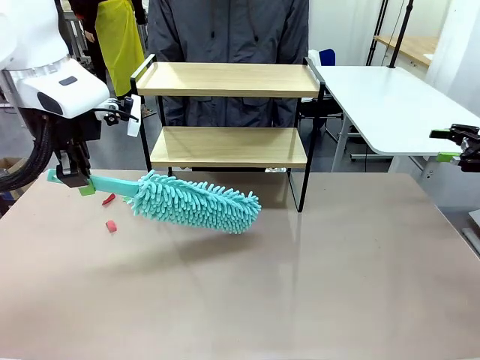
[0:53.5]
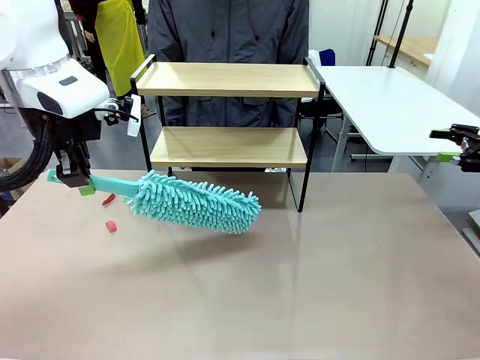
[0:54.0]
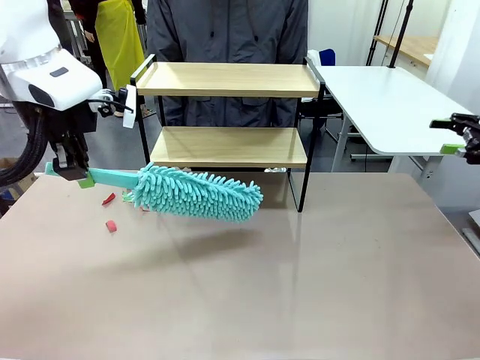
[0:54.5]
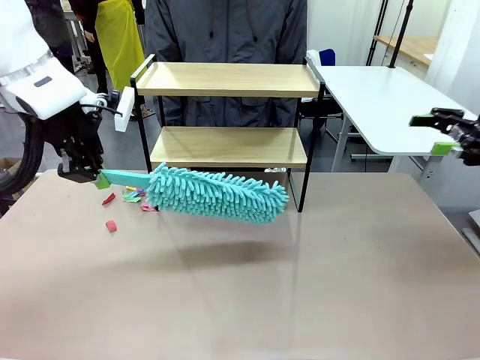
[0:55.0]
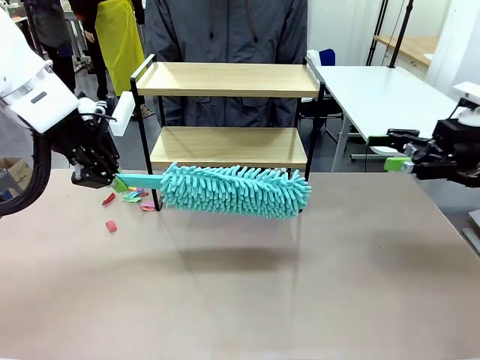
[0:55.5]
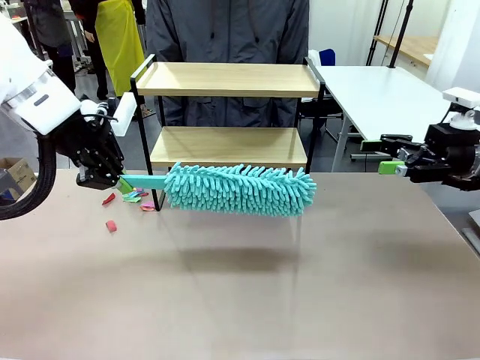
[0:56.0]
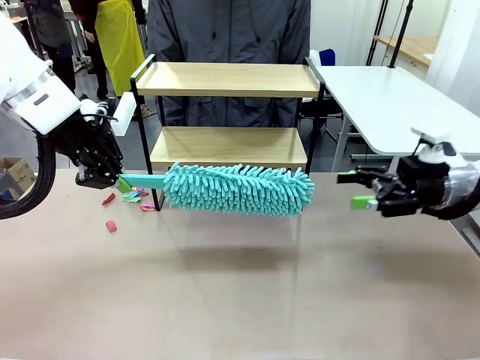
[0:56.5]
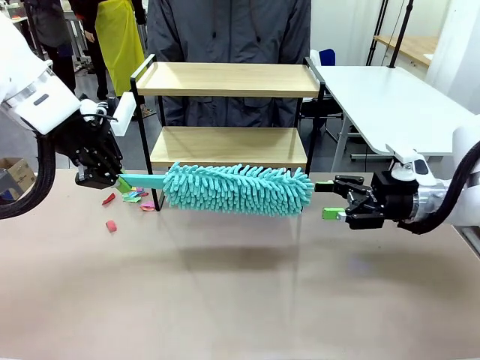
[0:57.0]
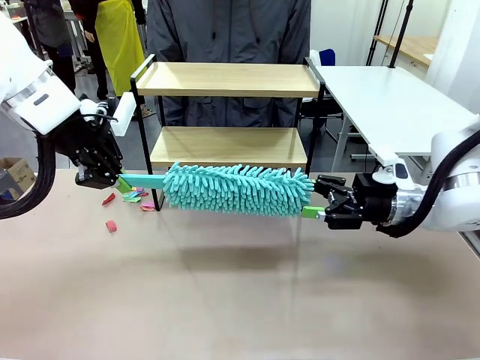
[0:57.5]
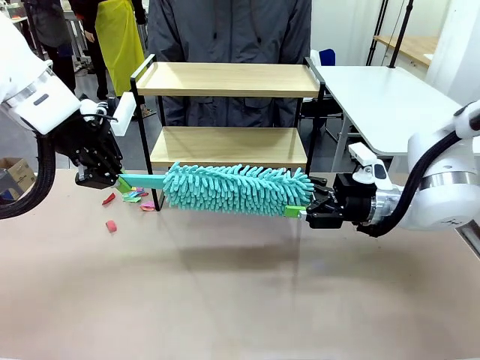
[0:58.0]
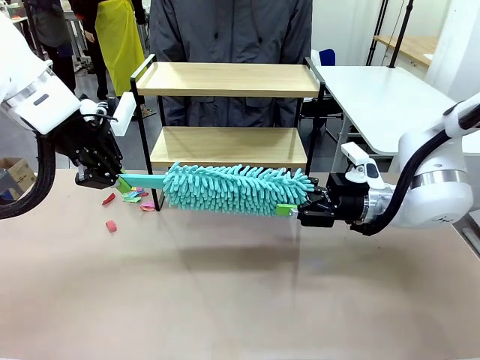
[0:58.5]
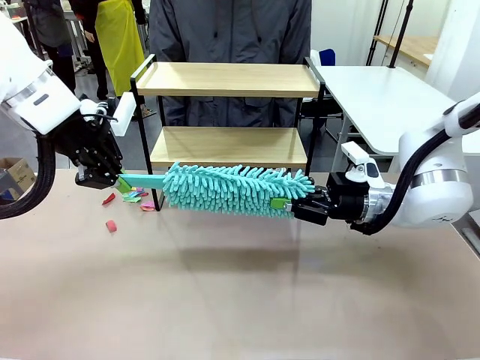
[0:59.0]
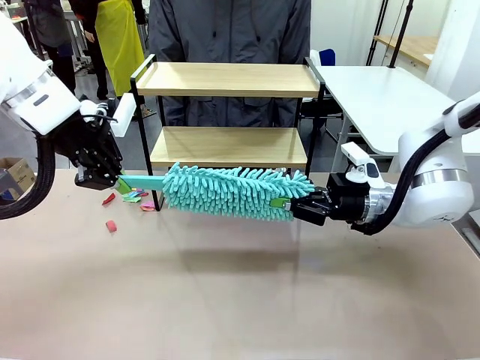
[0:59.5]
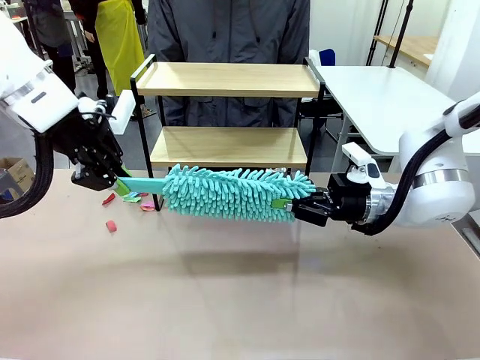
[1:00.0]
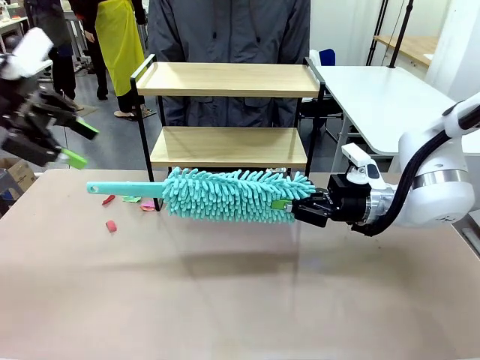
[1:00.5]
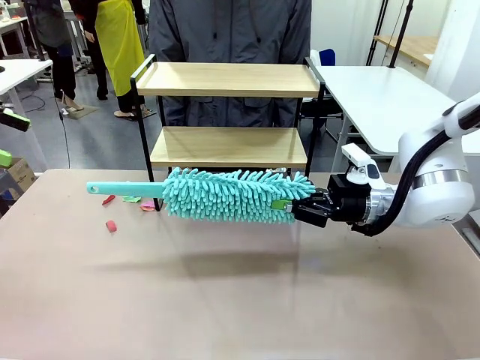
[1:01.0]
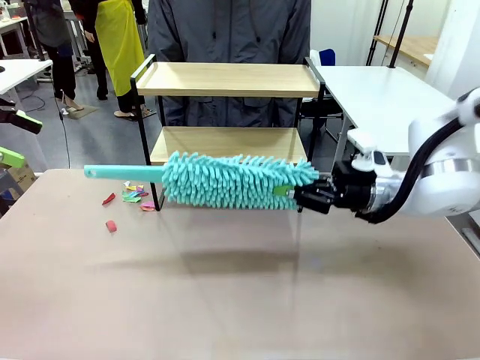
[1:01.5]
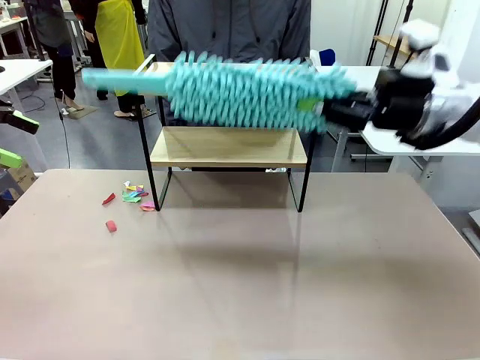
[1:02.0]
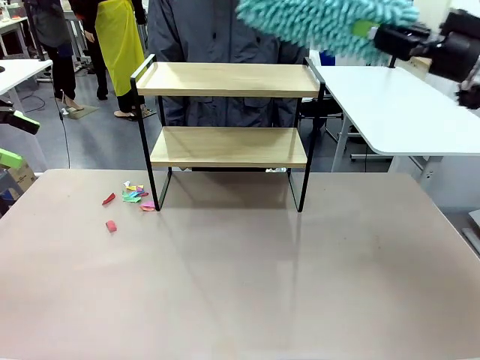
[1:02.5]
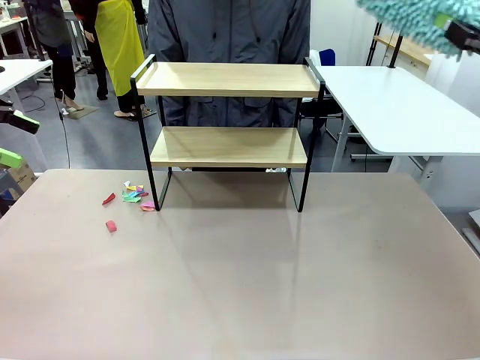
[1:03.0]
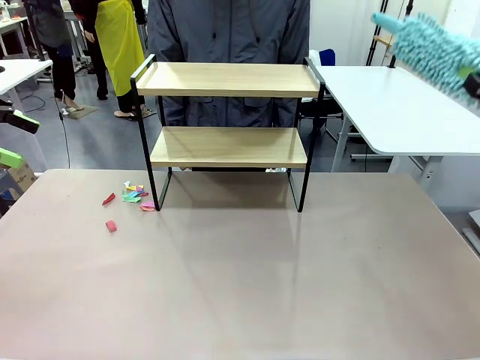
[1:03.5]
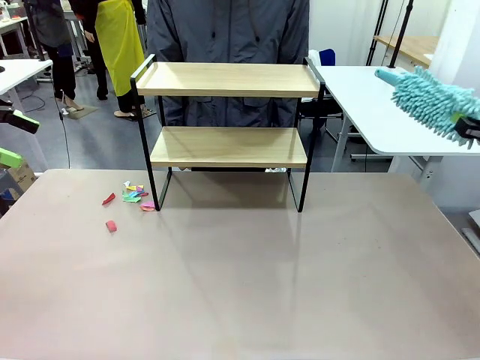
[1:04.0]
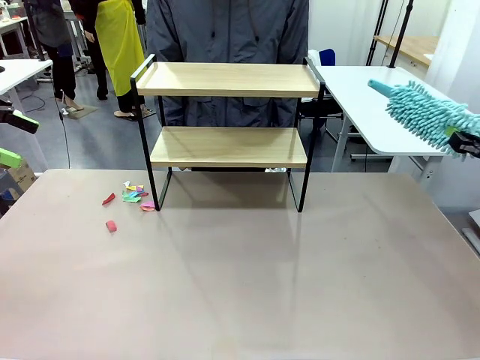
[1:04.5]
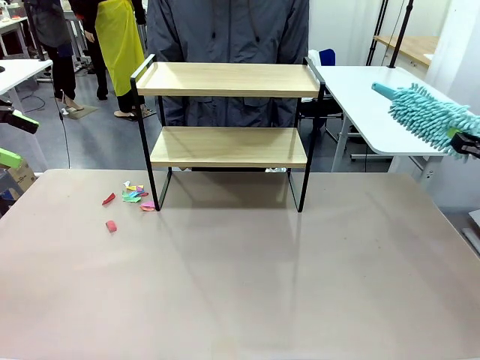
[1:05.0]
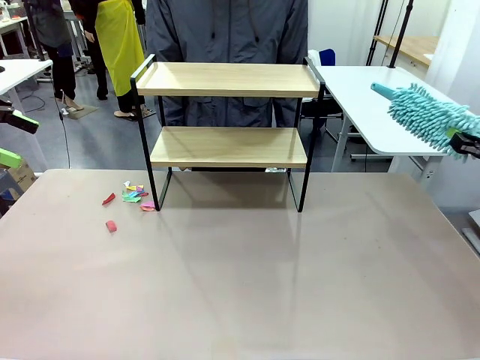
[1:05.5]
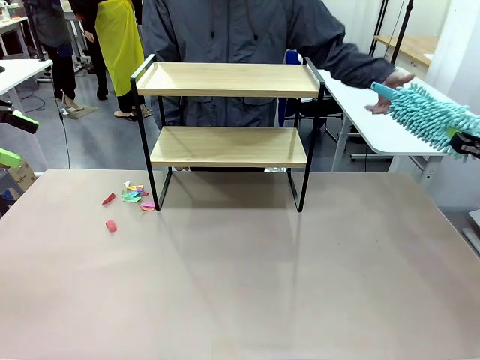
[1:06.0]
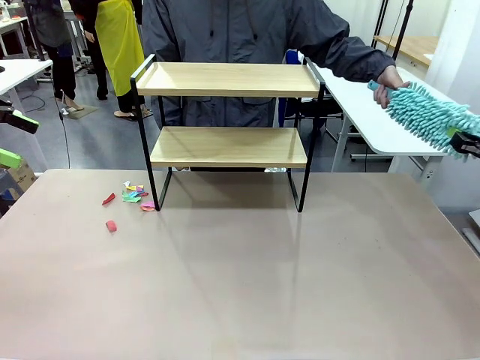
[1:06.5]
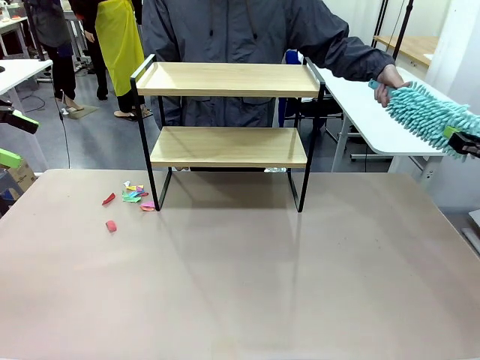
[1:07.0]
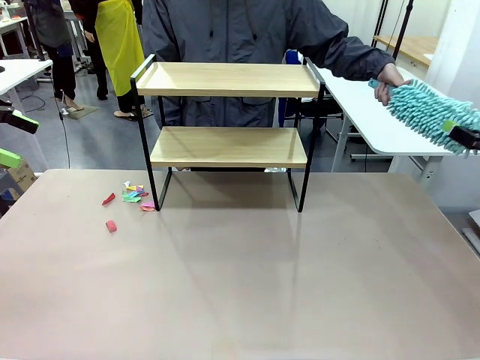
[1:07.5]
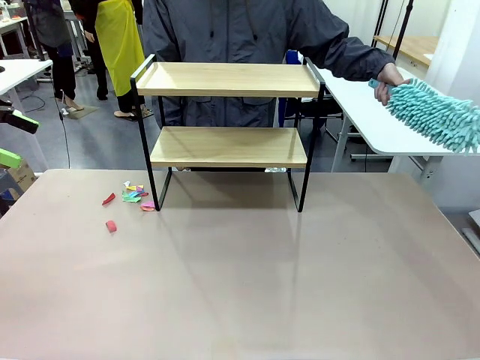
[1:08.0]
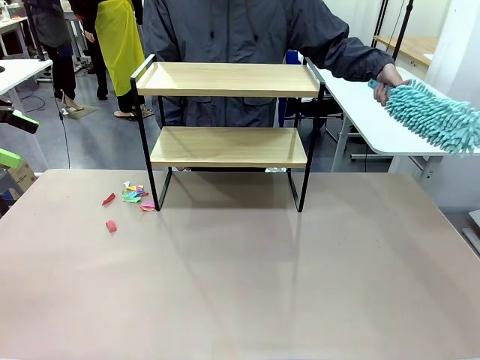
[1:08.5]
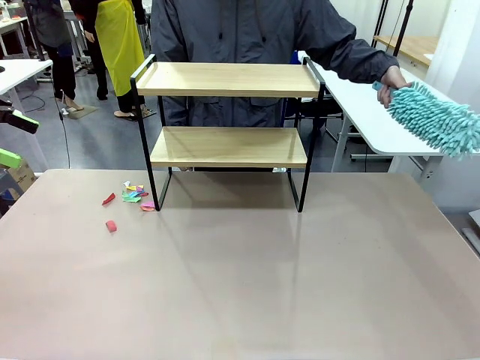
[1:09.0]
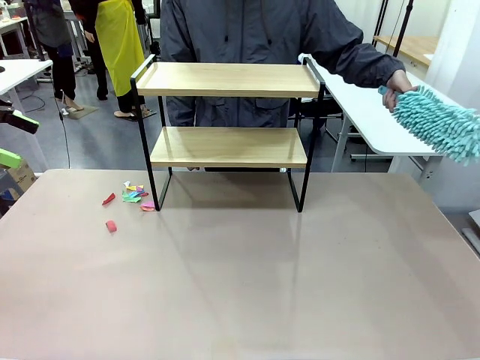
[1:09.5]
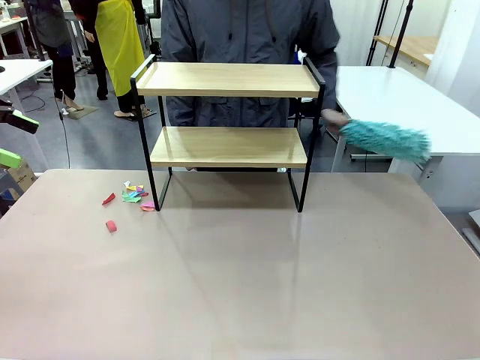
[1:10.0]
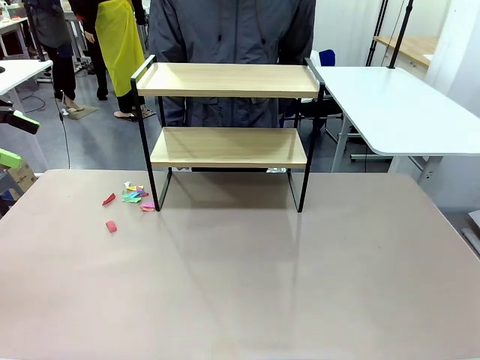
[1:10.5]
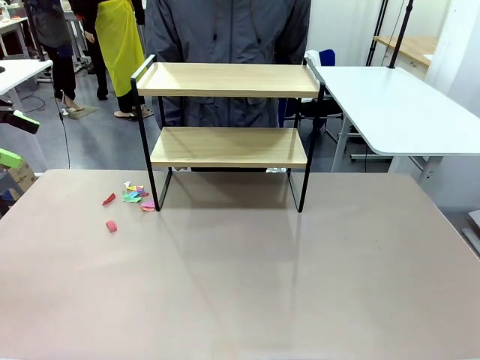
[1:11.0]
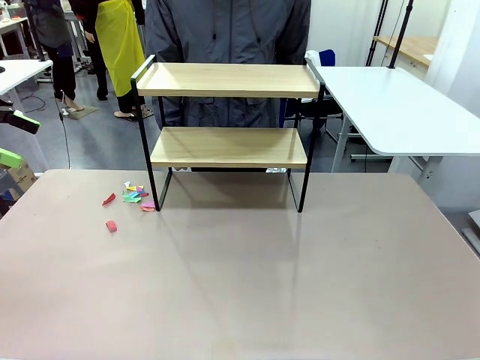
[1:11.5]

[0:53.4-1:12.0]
Task: Clean the shelf.
Robot: Hand the Duster back to the human.
Person: Receive the Duster from the robot.

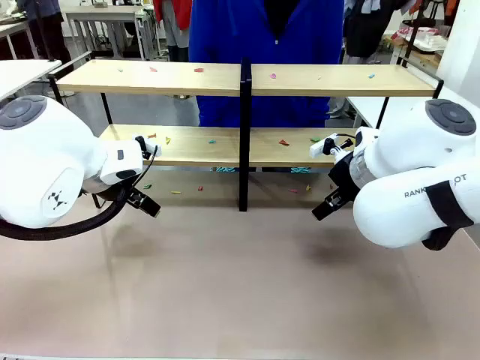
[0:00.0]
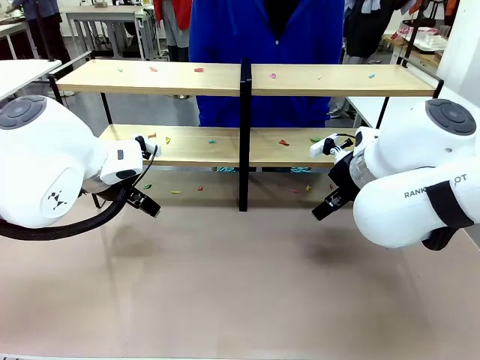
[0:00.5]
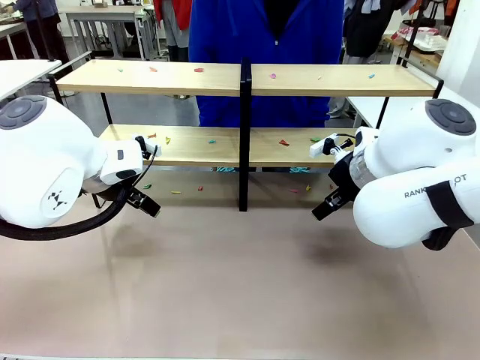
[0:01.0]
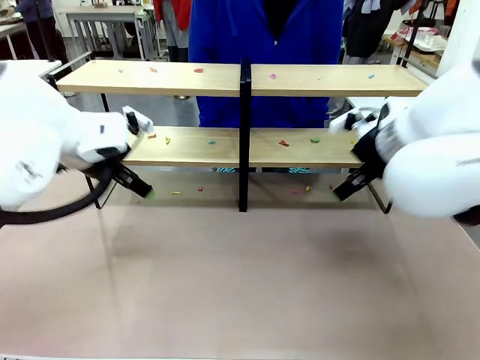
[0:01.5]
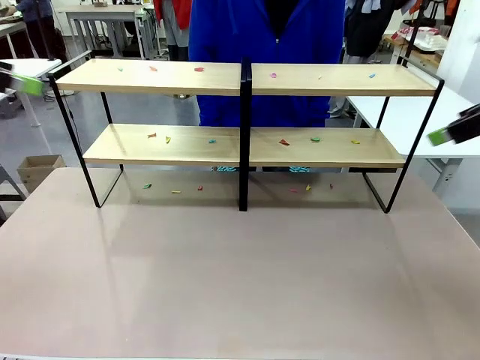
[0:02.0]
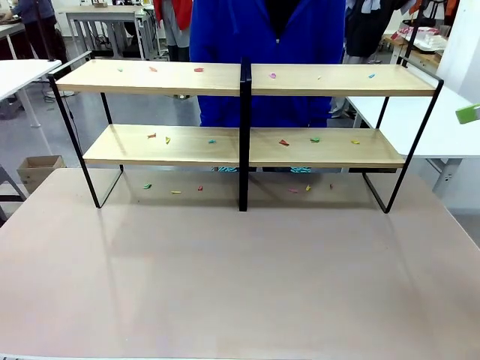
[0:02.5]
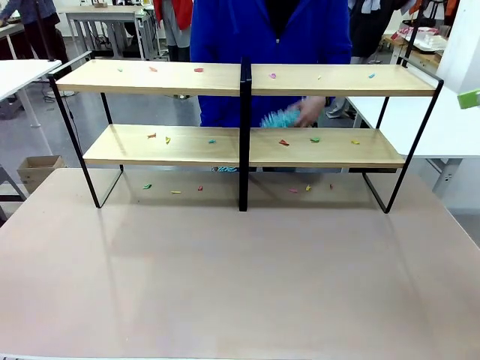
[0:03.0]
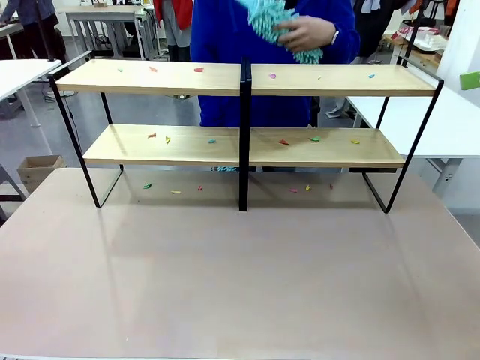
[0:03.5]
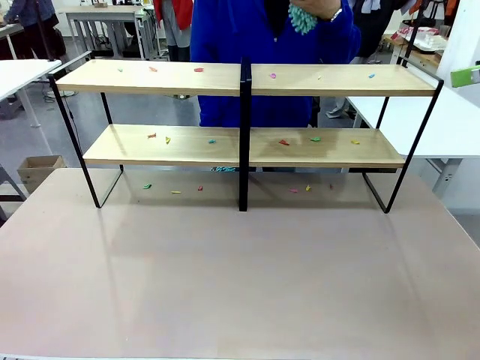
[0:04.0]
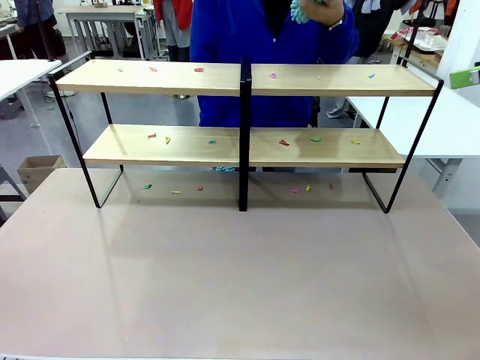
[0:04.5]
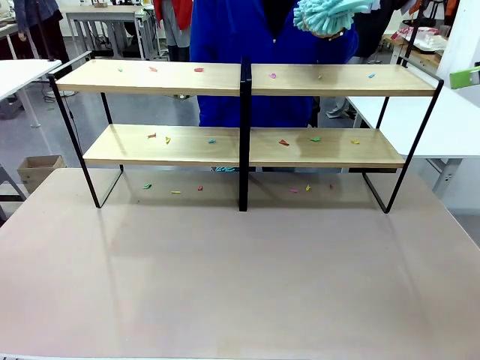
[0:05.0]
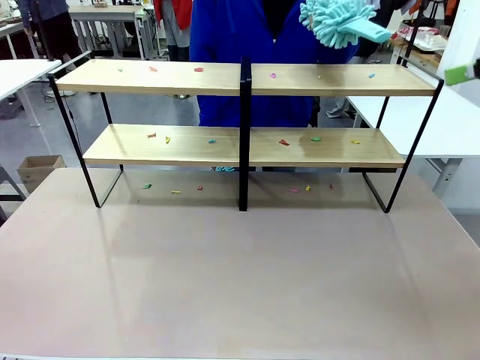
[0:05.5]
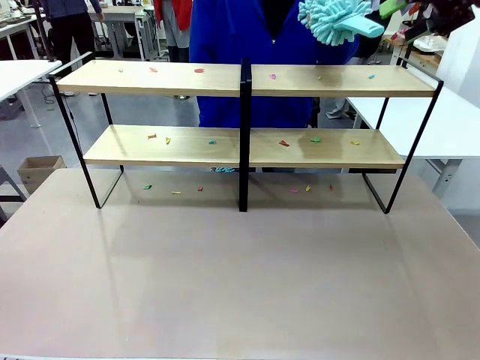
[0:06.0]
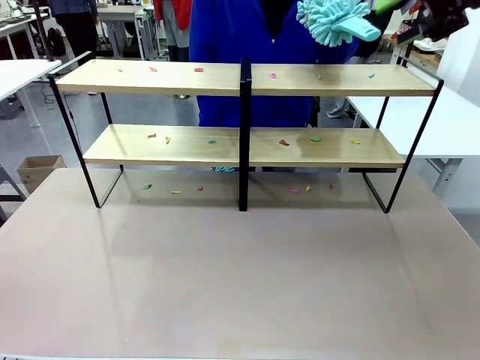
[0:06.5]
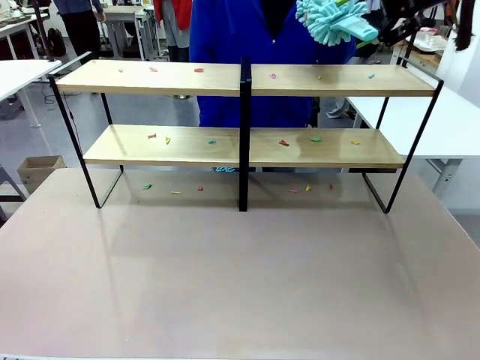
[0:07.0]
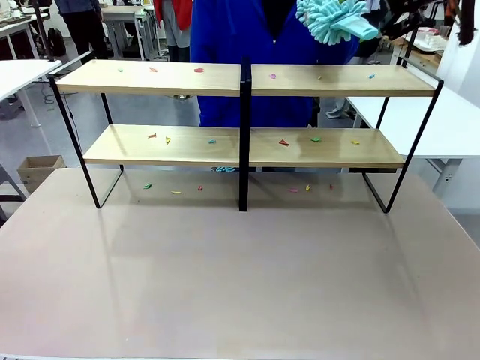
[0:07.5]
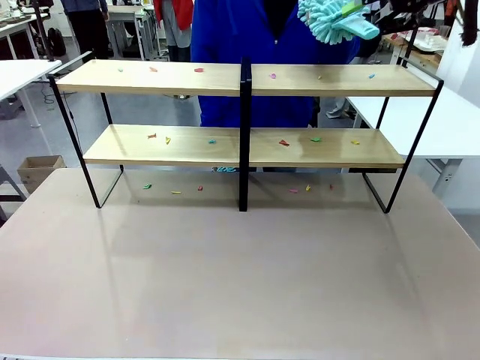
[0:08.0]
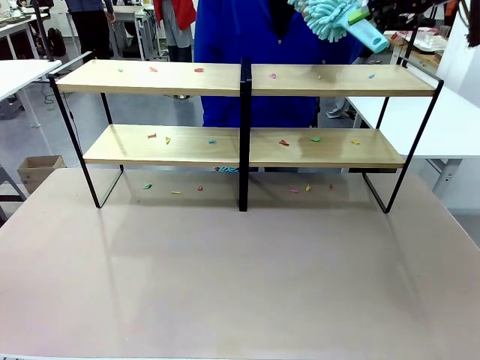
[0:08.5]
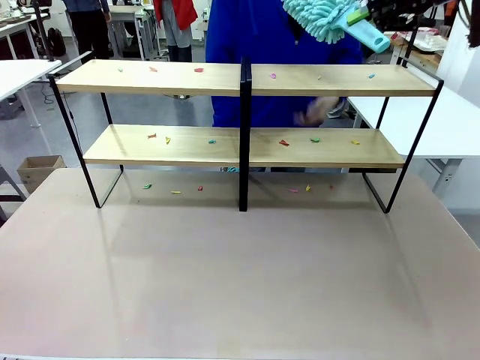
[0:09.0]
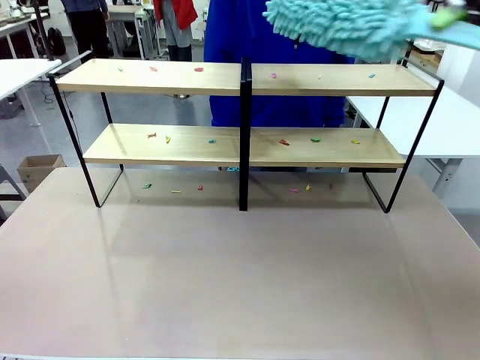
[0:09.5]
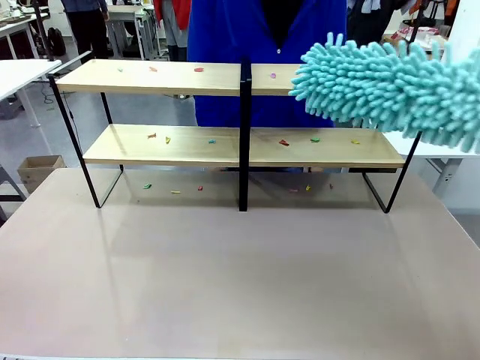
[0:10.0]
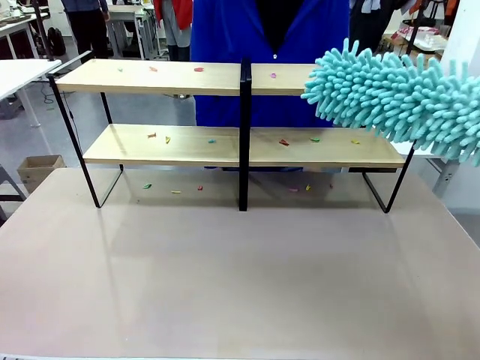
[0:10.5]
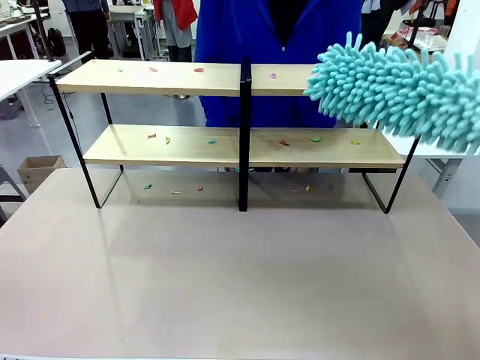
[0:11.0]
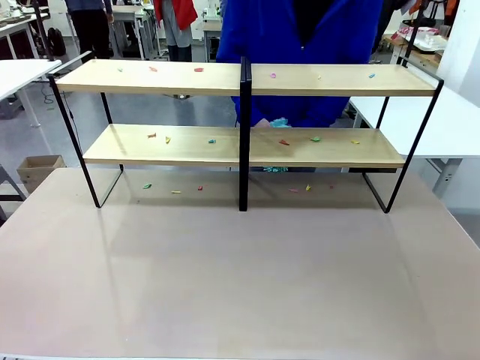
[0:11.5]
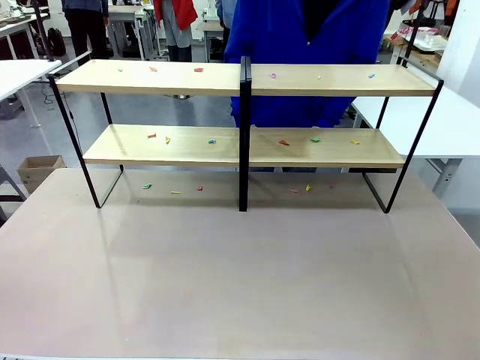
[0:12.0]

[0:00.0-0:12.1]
Task: Clean the shelves.
Robot: Pick up the Duster when the human hands it over.
Person: Hand the Duster to the robot with your right (or left) hand.
